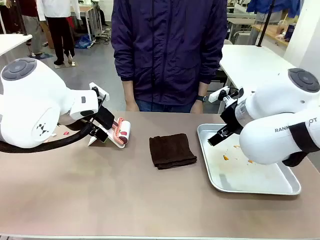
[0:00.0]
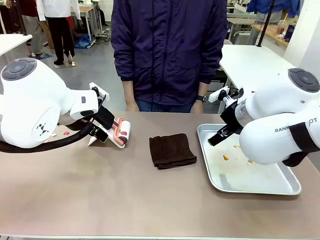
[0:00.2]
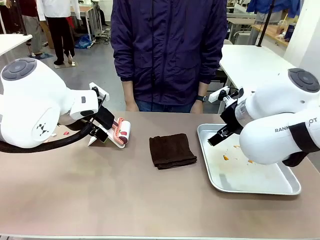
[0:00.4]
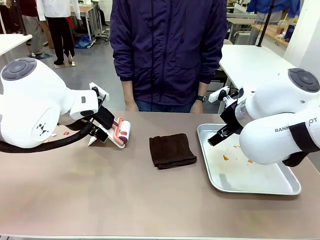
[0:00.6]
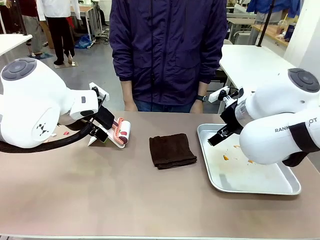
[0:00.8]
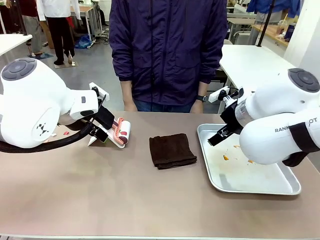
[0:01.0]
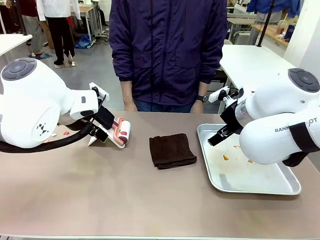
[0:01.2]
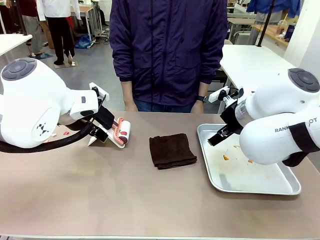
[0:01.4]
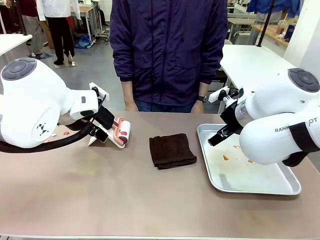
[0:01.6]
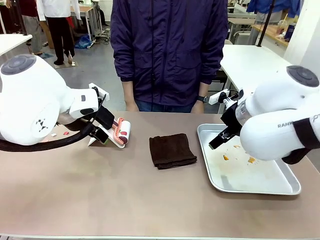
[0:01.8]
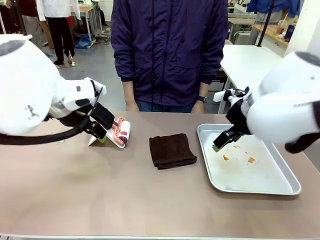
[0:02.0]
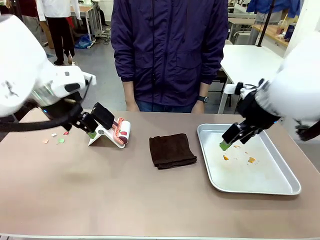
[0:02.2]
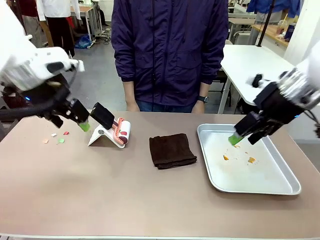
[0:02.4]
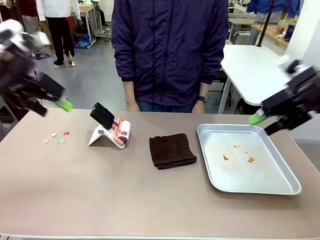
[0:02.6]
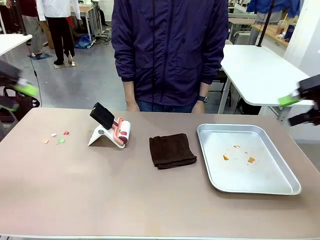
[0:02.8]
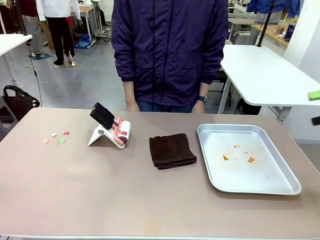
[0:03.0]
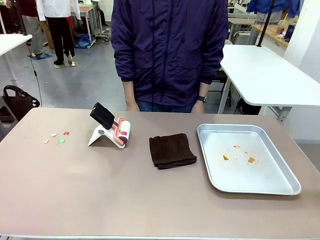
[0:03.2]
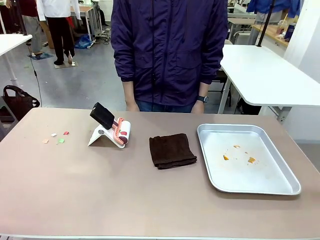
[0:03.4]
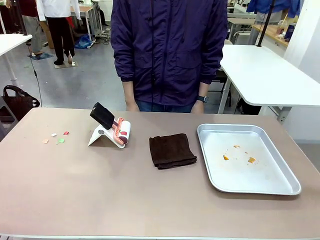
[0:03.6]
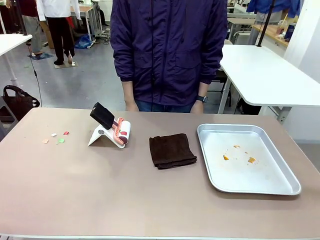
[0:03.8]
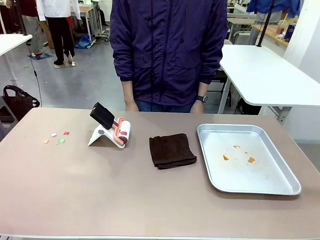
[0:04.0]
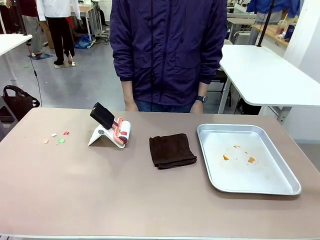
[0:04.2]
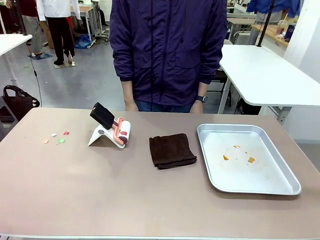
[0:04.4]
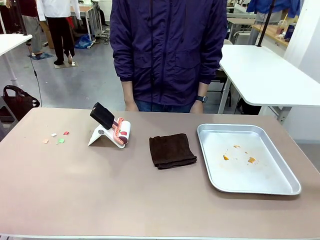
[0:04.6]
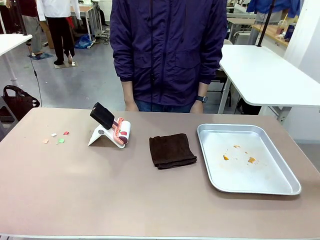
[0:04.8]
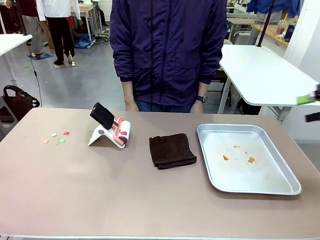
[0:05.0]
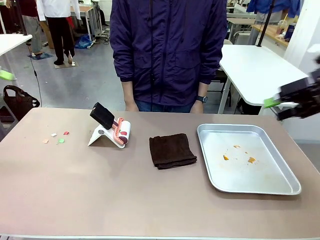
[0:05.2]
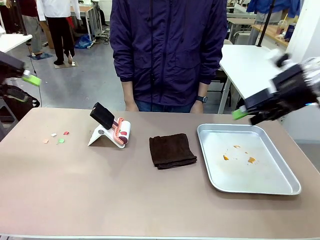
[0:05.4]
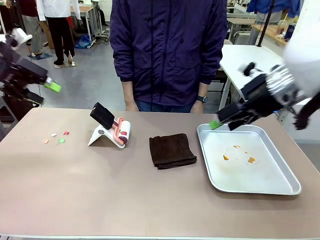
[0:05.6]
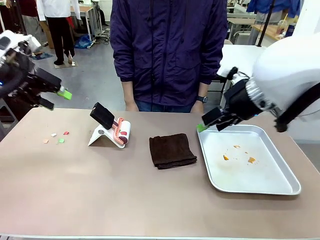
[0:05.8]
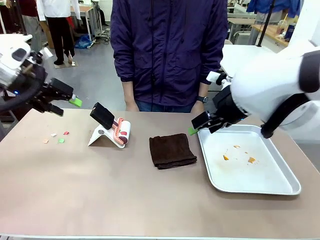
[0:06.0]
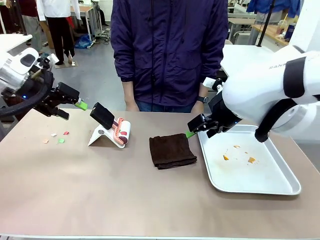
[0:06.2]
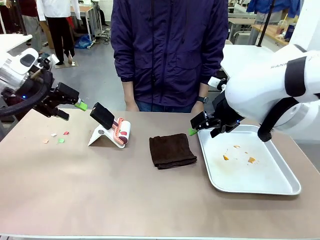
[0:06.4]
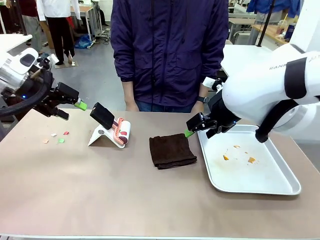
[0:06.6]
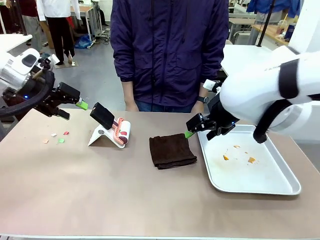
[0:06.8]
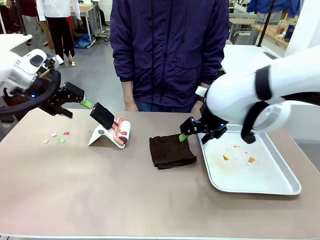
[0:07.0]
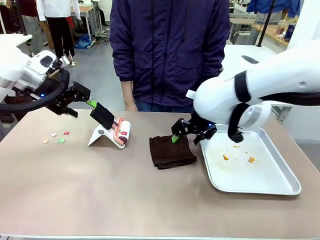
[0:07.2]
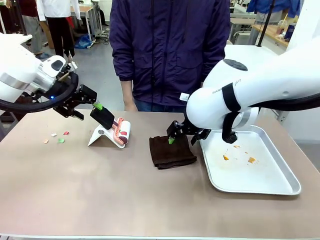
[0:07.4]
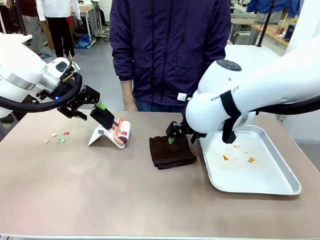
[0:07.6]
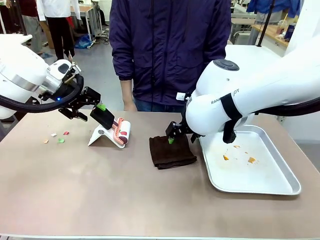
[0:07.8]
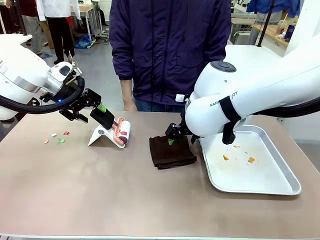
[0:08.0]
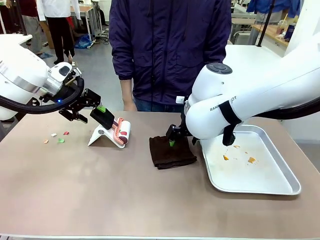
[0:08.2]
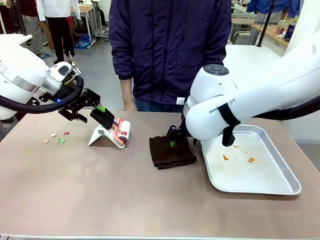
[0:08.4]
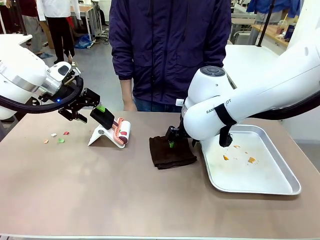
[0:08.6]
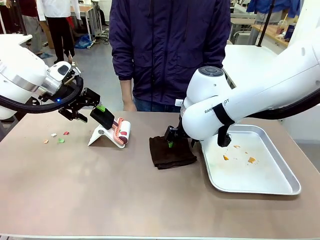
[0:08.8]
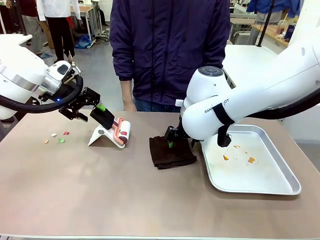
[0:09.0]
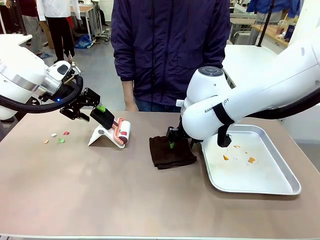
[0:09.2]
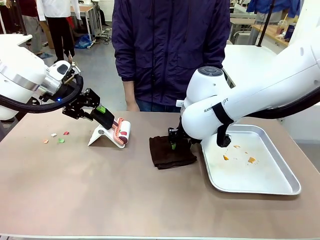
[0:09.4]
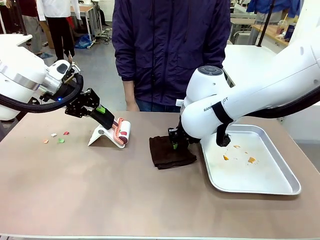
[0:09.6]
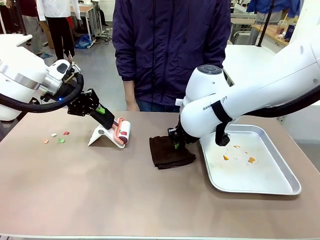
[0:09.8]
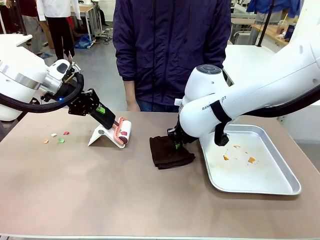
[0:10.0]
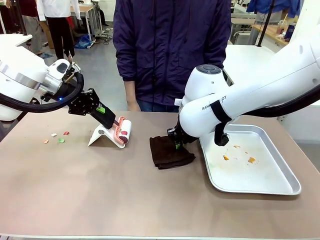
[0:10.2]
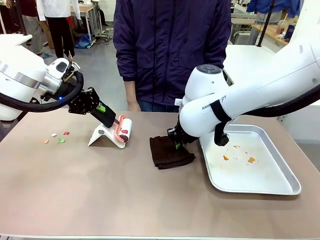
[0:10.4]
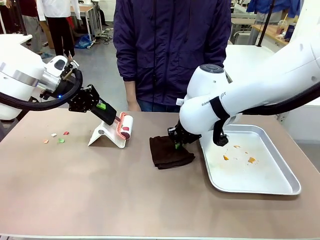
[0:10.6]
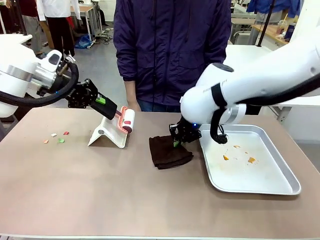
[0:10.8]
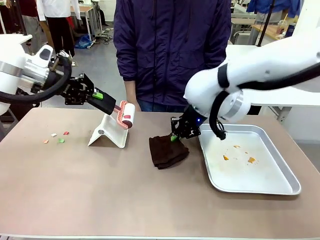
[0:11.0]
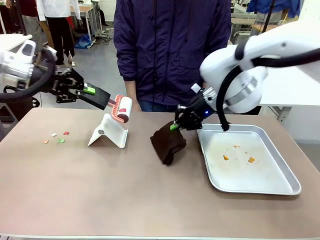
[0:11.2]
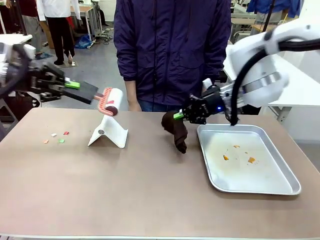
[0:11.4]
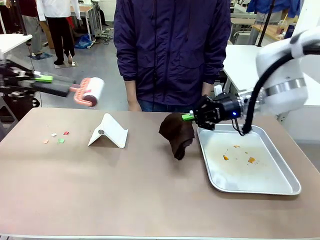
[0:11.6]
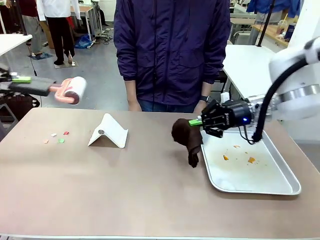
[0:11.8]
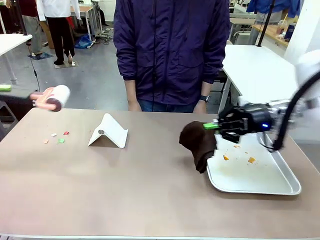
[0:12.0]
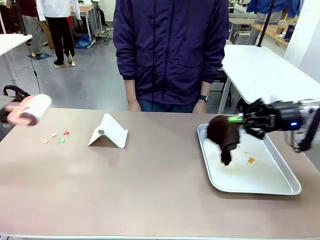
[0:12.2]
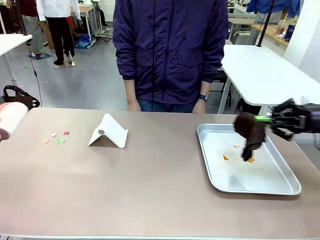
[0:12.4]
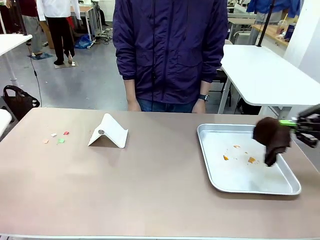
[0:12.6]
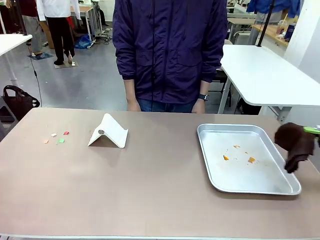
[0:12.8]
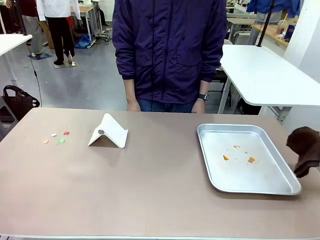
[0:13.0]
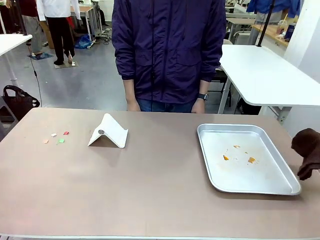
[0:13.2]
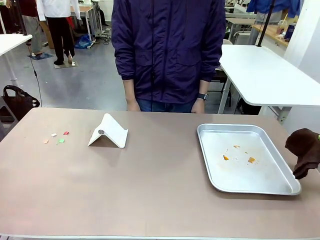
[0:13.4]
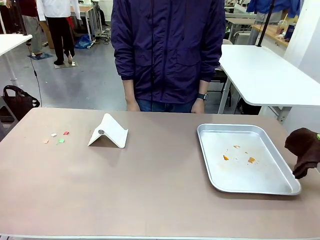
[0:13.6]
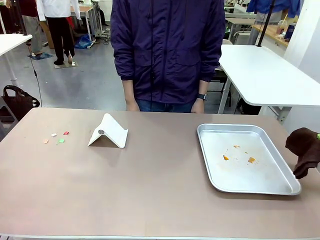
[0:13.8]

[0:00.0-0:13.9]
Task: Clean the surface of the table.
Robot: Hold the Lint Roller with your left hand and the towel with your right hand.
